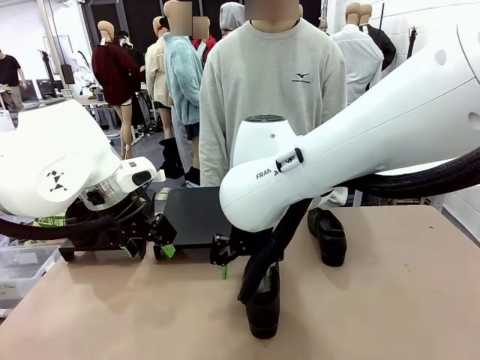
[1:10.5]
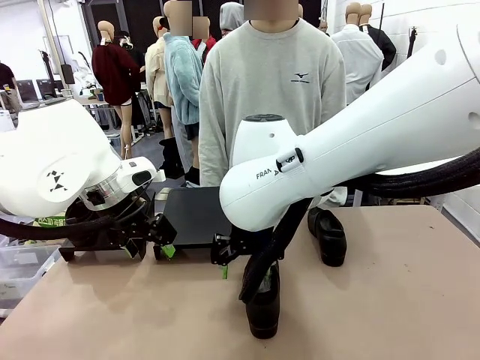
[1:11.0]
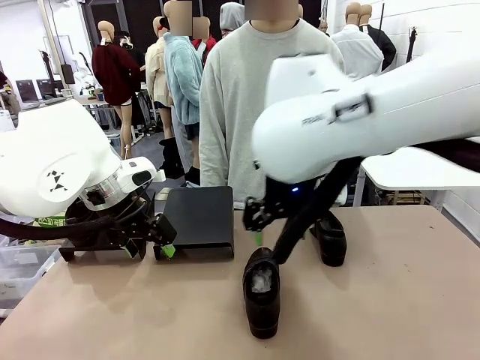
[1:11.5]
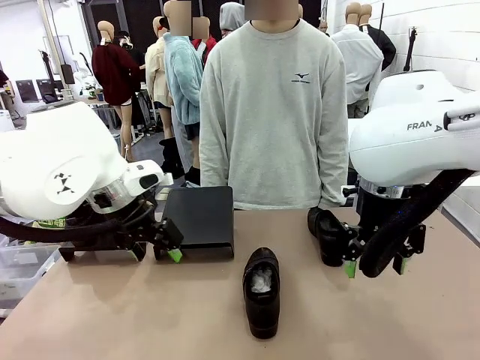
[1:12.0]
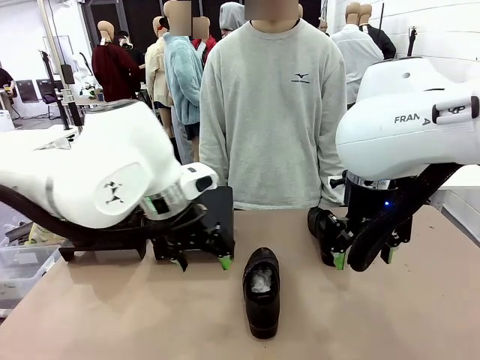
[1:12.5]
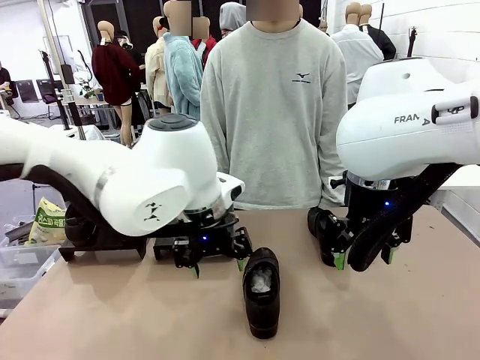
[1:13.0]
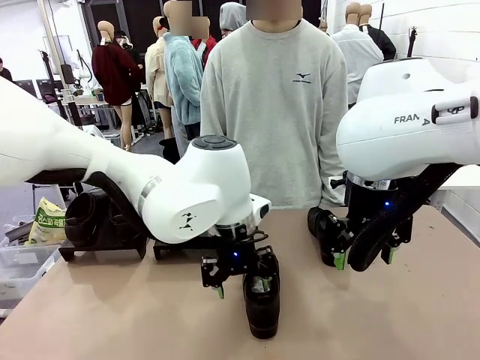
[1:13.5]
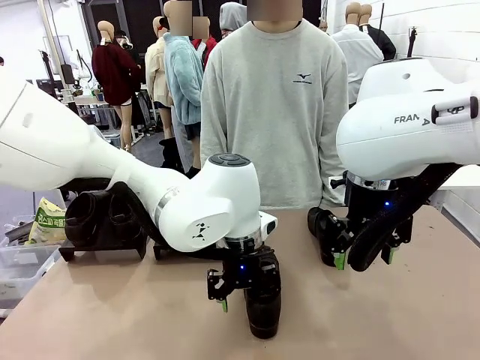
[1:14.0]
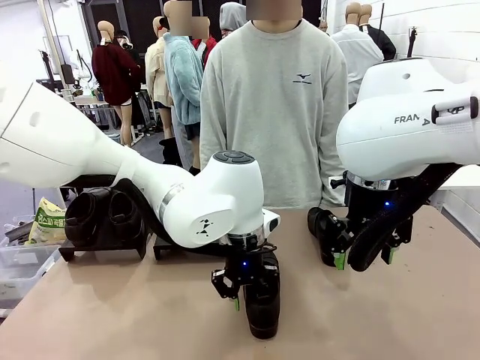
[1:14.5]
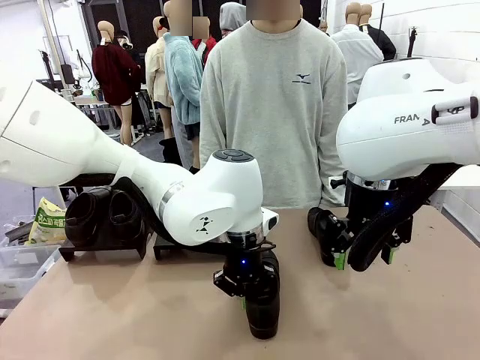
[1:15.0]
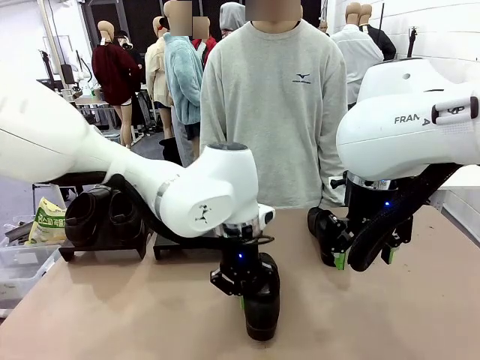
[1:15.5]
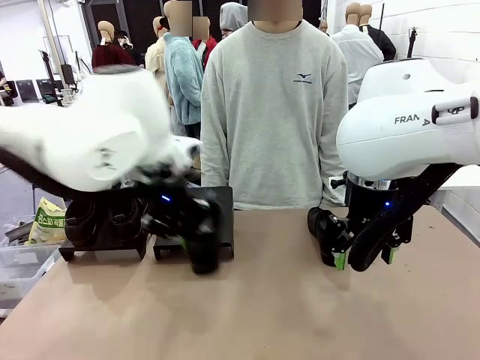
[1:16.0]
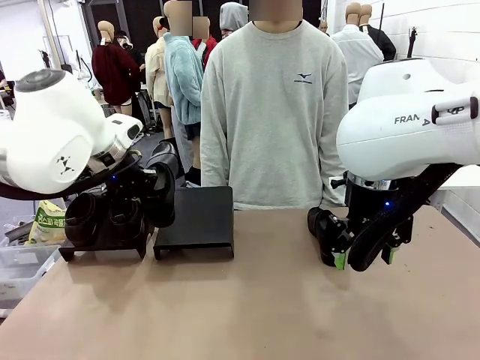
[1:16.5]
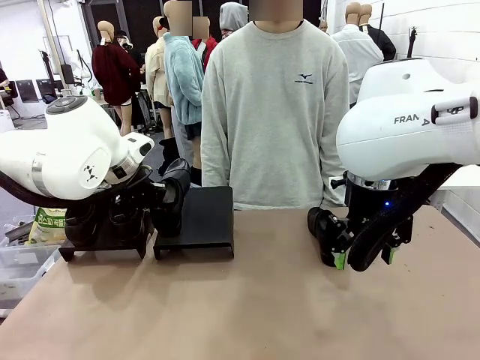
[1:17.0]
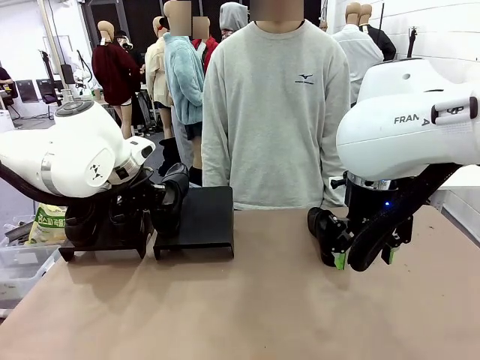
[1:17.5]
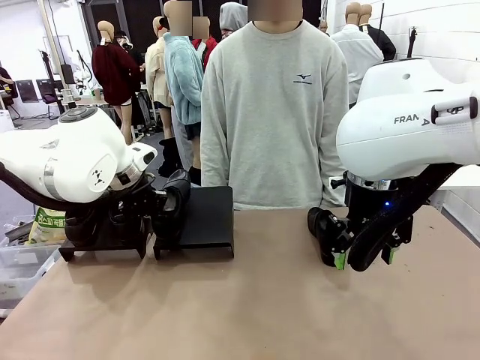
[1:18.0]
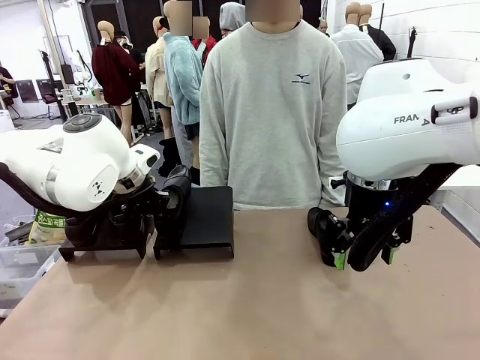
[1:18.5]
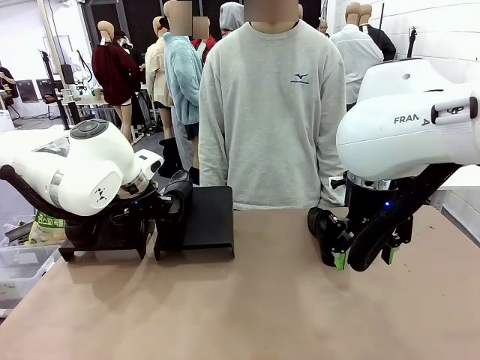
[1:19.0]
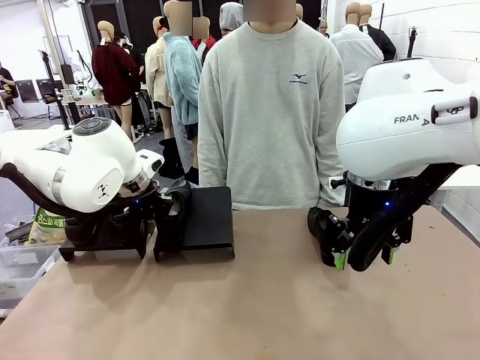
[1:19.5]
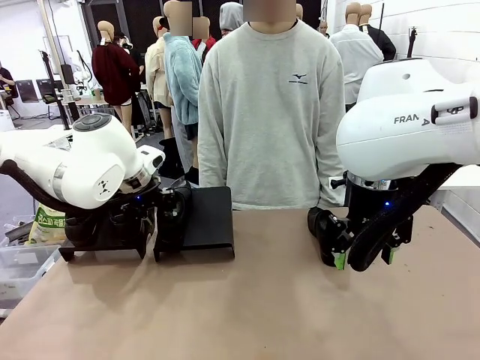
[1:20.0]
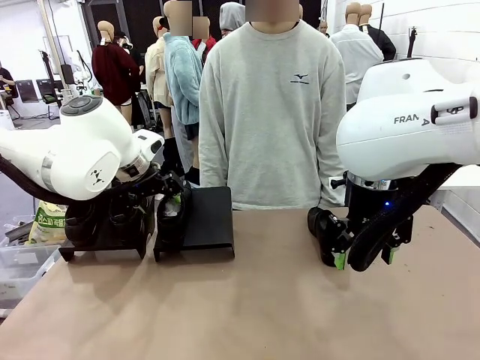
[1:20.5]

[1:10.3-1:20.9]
Task: Organize the shoes by placing them on the stand.
Robot: Place the Shoe from the middle of the table onto the Shoes Stand.

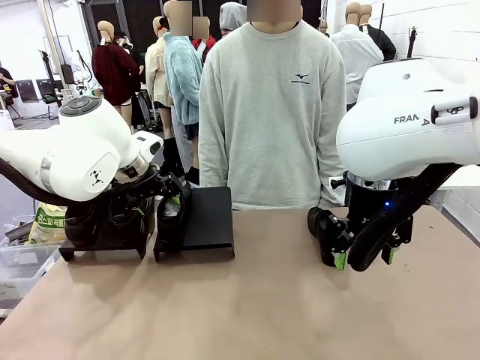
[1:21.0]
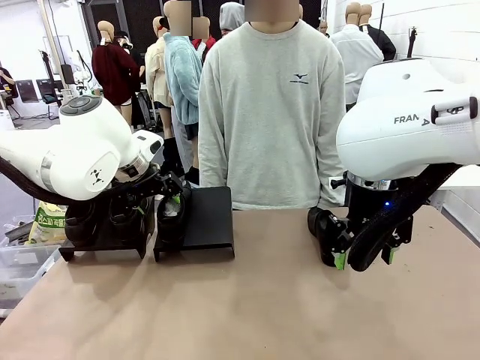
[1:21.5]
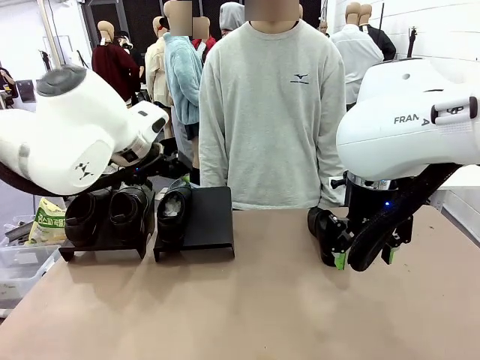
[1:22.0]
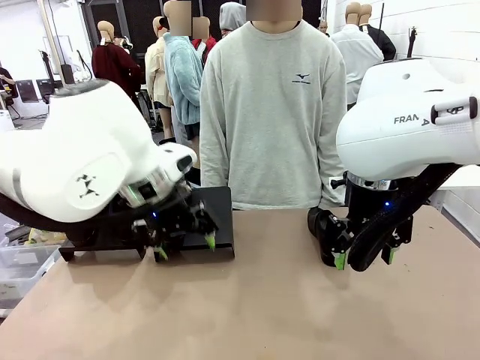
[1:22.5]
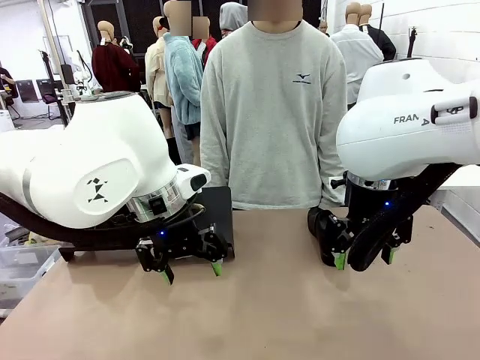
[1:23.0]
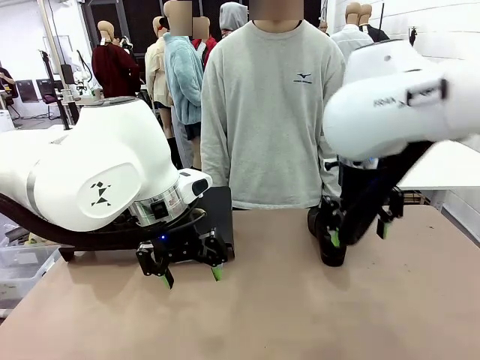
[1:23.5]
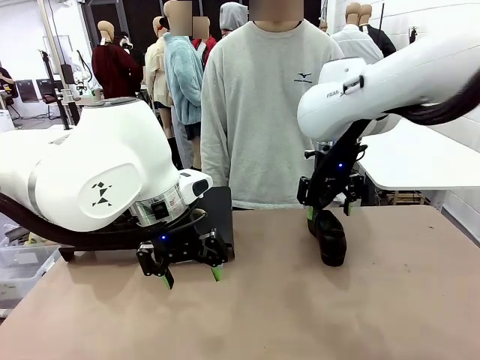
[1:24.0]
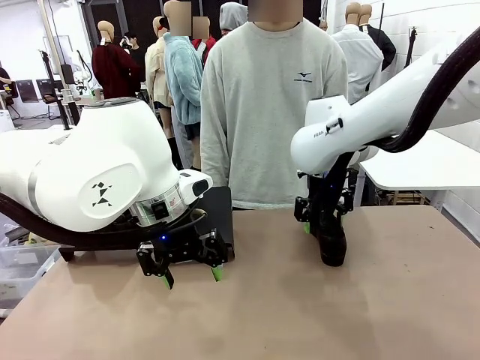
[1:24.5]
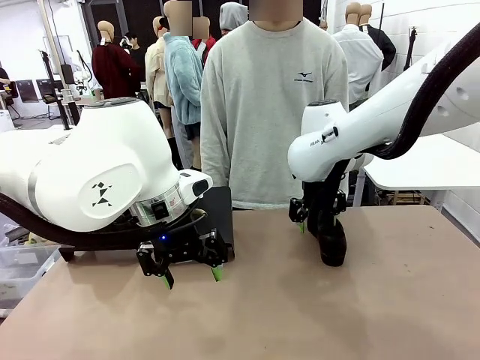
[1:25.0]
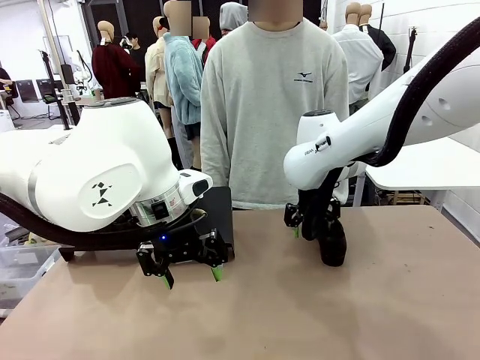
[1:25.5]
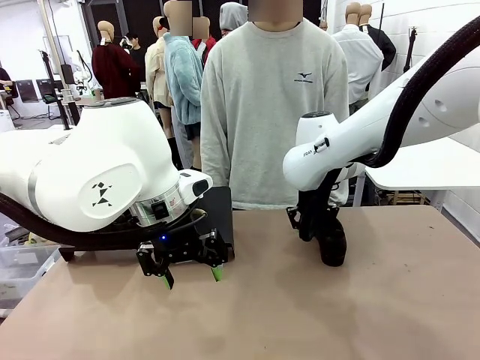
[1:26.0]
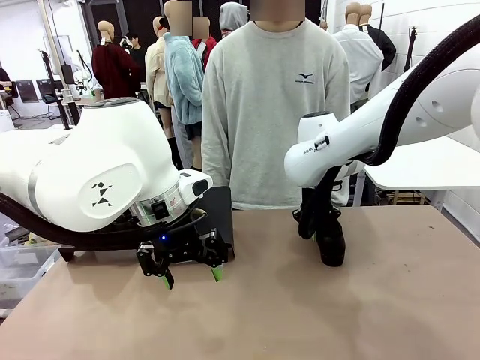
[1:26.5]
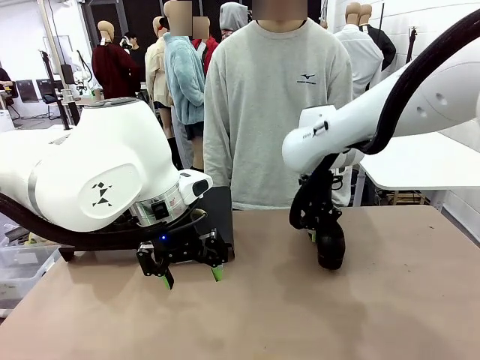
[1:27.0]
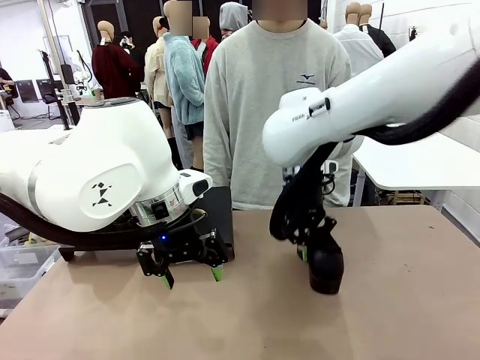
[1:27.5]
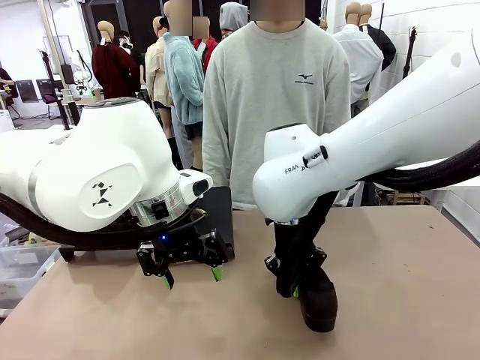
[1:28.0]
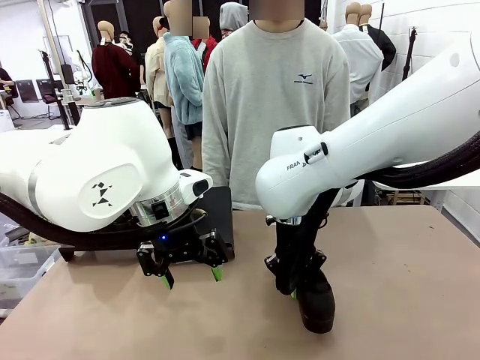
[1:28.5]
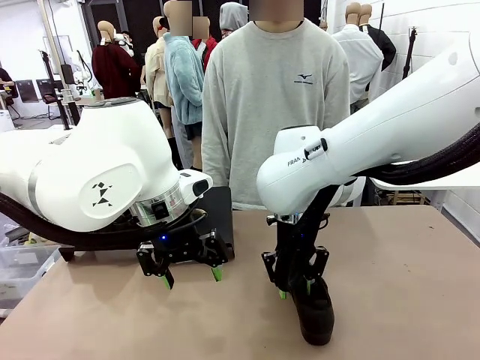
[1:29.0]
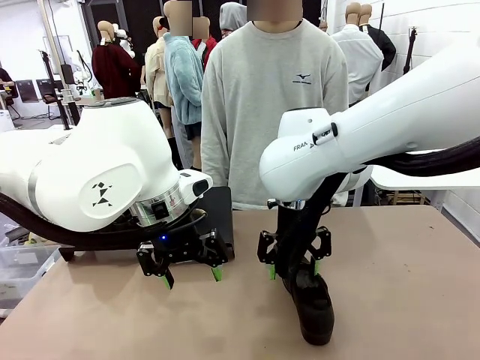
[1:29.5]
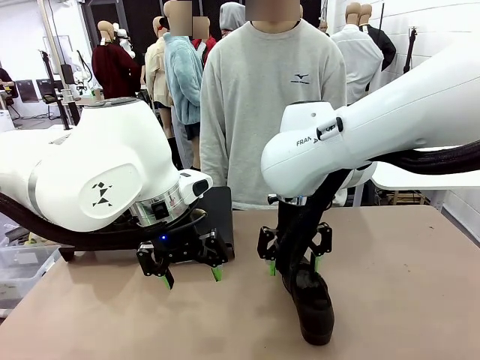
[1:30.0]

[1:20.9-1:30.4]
Robot: Pick up one Shoe and place it in the middle of the table.

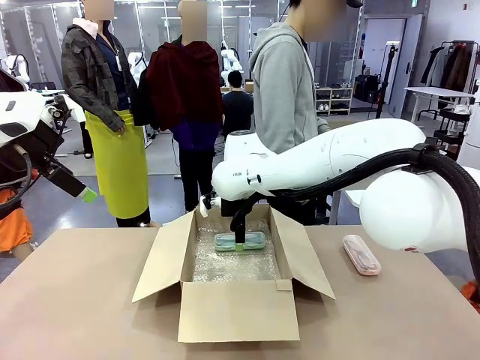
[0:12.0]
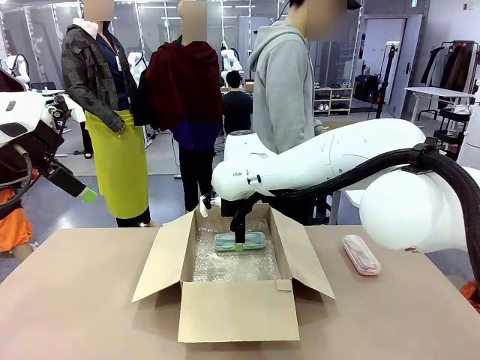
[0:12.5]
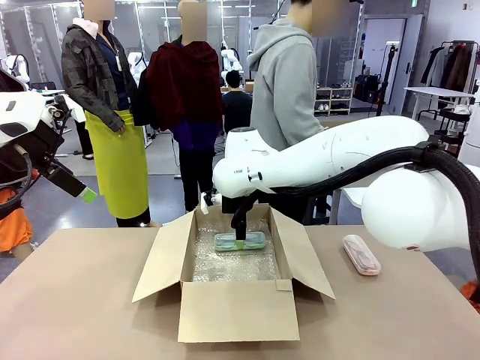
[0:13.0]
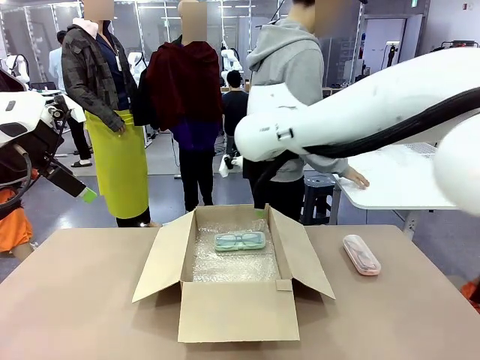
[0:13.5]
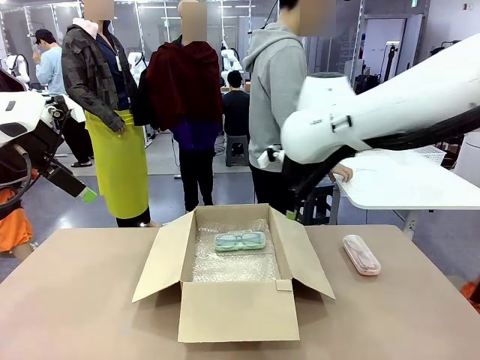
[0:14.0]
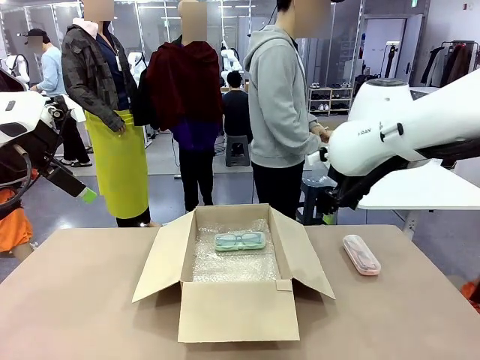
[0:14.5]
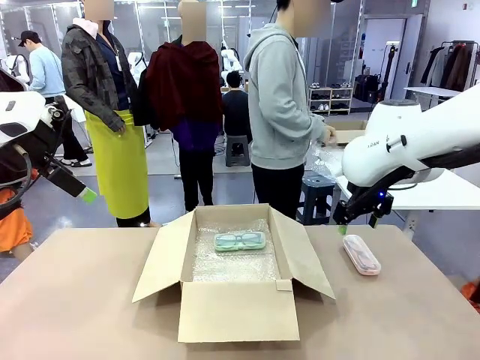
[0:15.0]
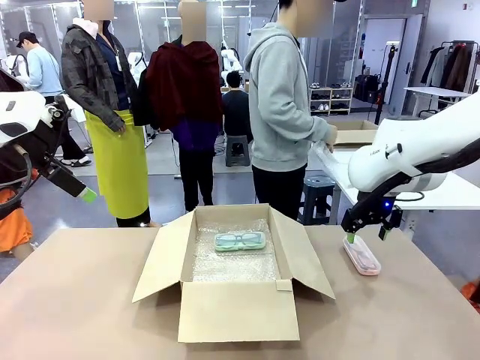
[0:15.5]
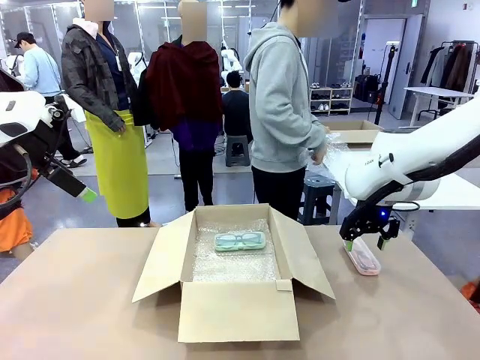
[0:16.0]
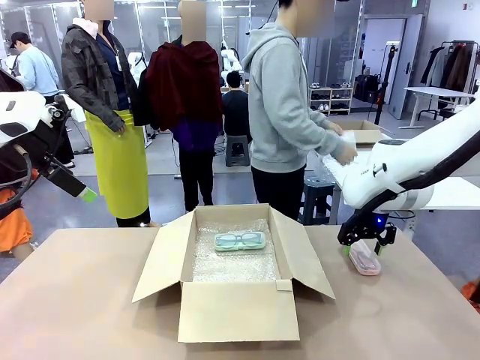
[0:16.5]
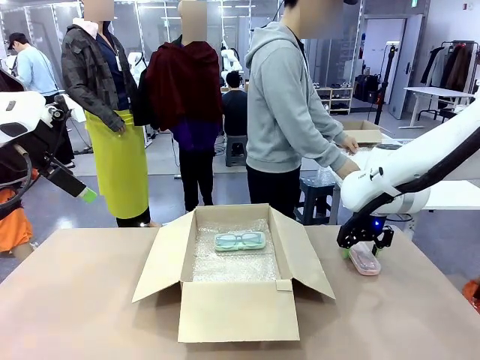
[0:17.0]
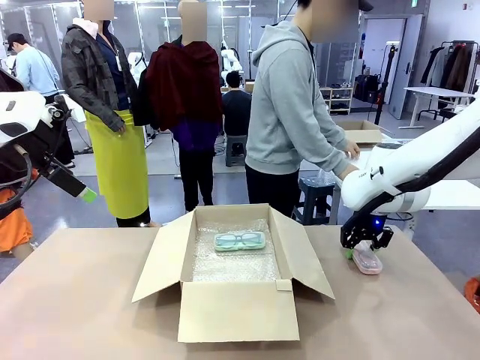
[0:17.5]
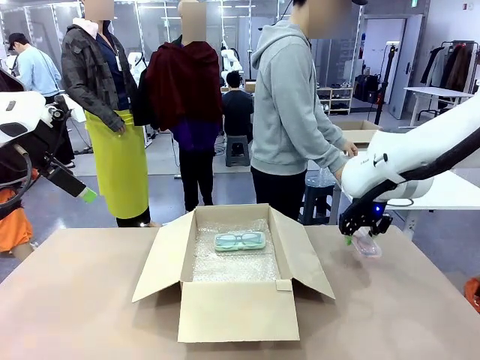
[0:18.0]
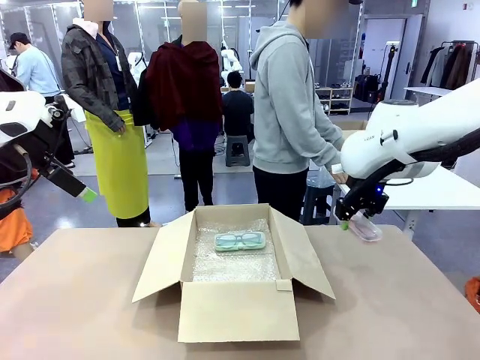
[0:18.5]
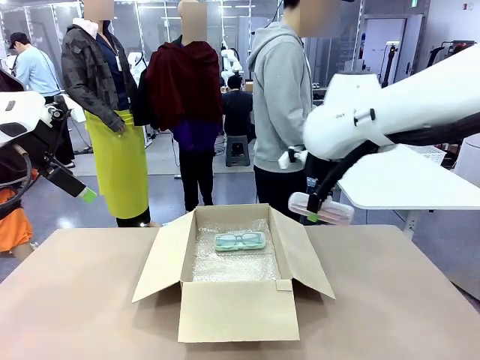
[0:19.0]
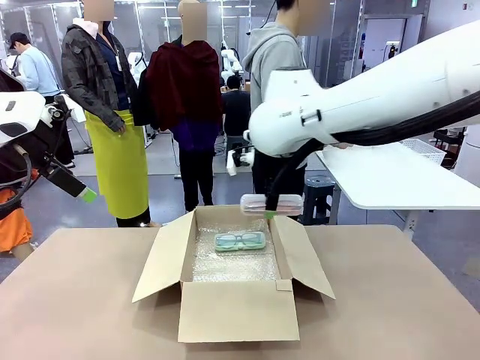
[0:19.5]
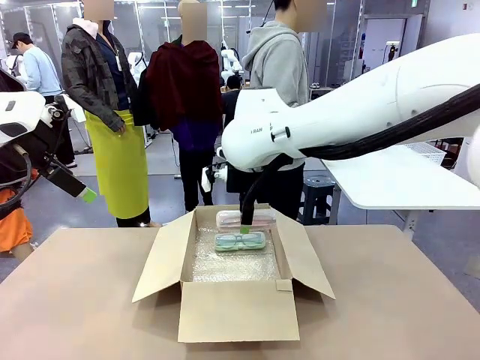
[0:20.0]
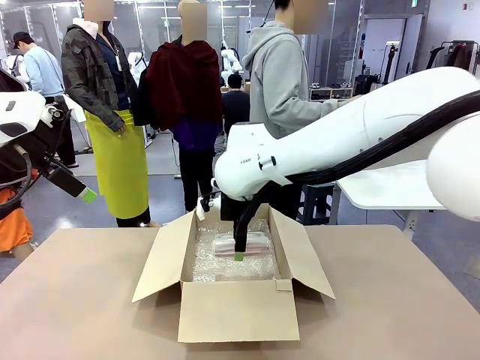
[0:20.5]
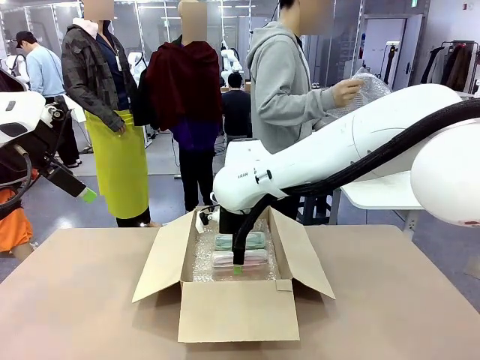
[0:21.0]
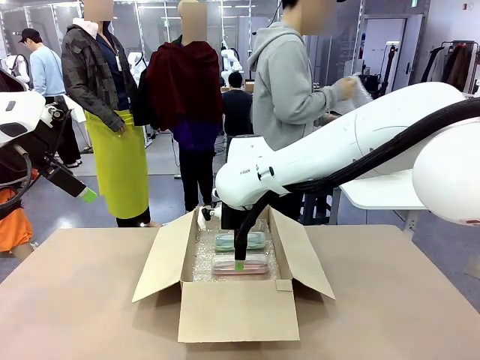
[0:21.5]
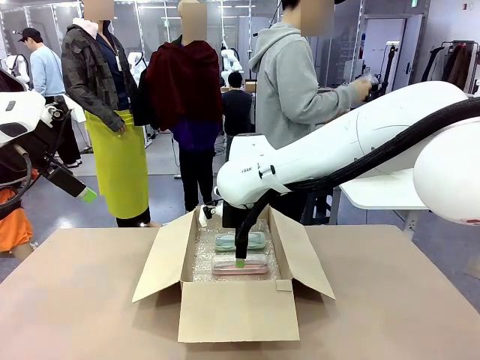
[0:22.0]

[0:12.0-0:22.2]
Task: Pack the glasses set securely to prepare it for shipping.
Robot: Put the Glasses case from the right side of the table into the Package Box.
